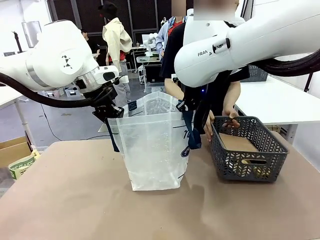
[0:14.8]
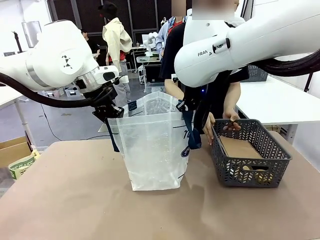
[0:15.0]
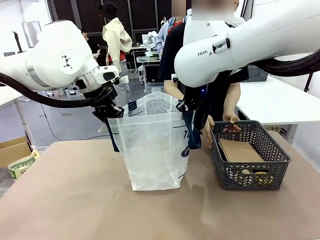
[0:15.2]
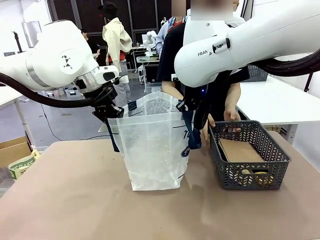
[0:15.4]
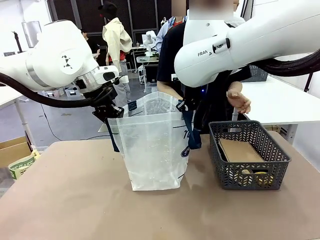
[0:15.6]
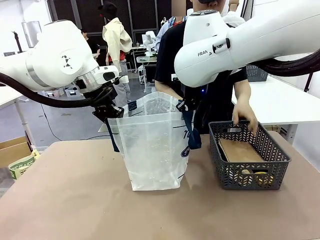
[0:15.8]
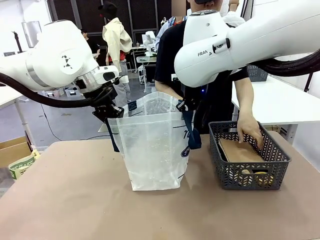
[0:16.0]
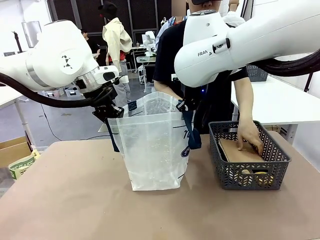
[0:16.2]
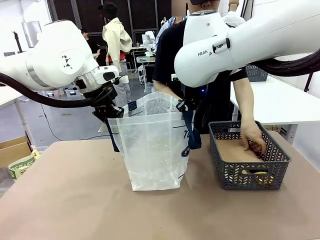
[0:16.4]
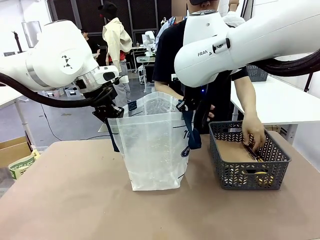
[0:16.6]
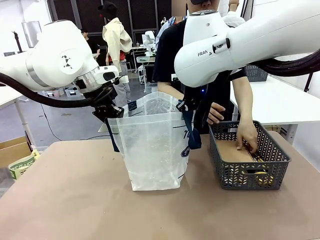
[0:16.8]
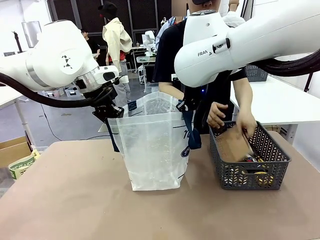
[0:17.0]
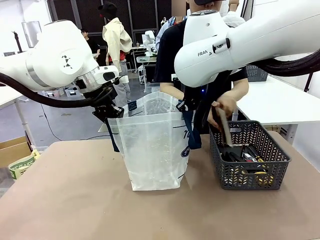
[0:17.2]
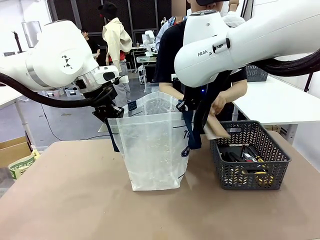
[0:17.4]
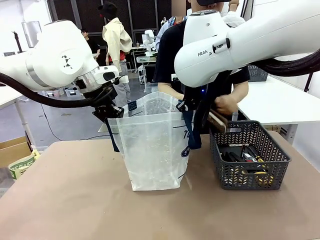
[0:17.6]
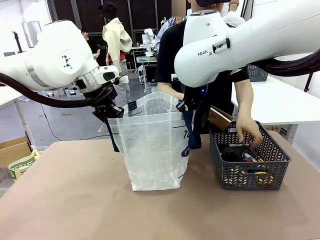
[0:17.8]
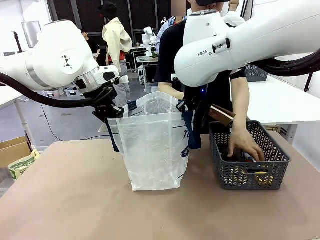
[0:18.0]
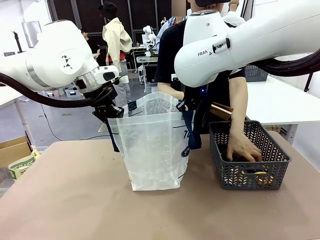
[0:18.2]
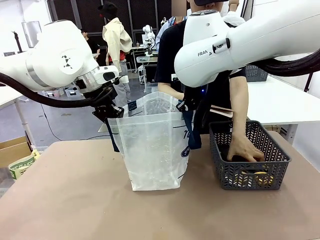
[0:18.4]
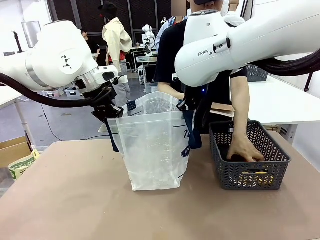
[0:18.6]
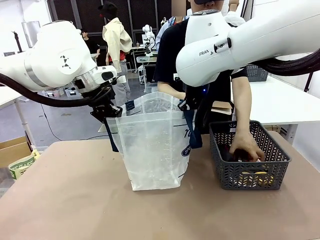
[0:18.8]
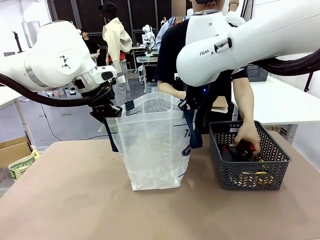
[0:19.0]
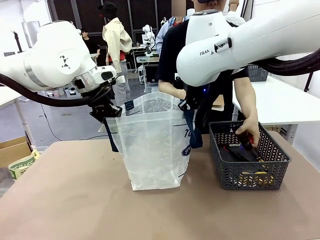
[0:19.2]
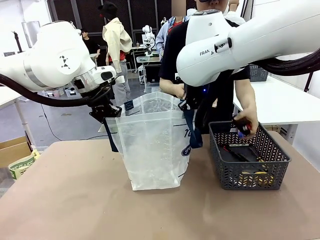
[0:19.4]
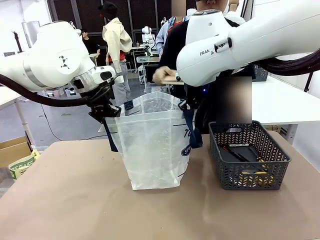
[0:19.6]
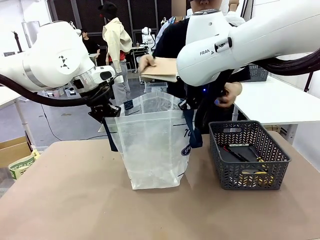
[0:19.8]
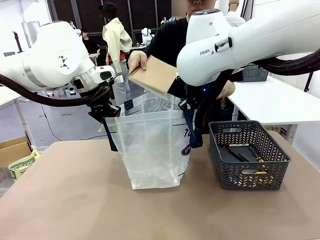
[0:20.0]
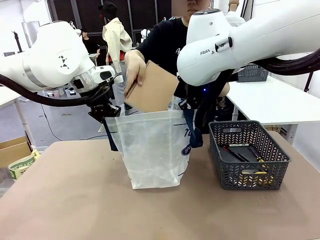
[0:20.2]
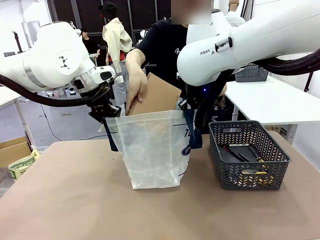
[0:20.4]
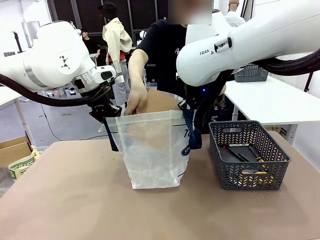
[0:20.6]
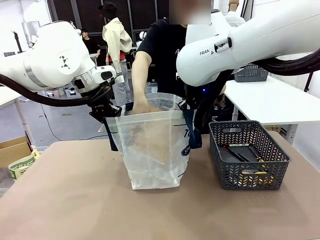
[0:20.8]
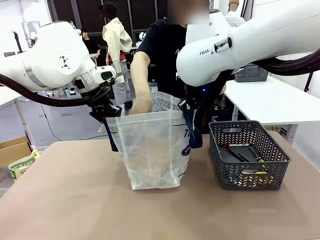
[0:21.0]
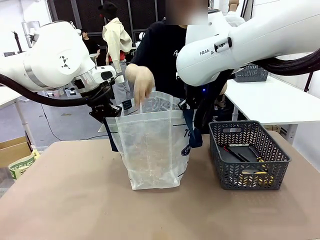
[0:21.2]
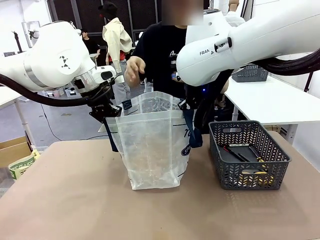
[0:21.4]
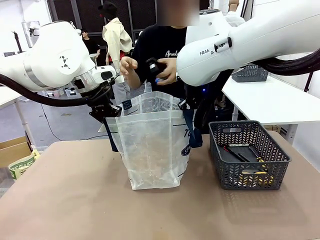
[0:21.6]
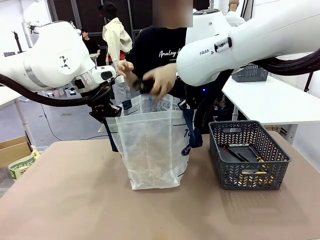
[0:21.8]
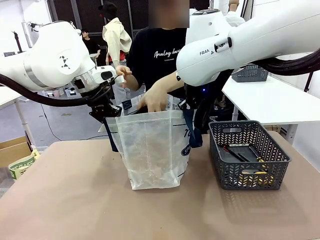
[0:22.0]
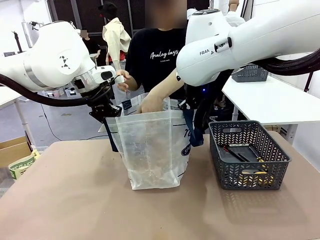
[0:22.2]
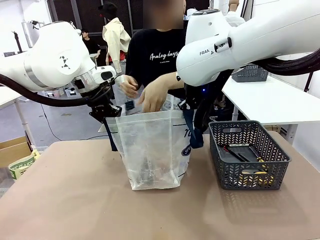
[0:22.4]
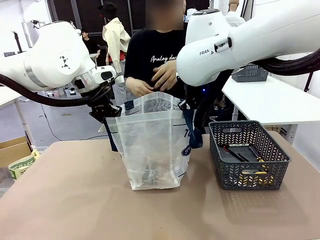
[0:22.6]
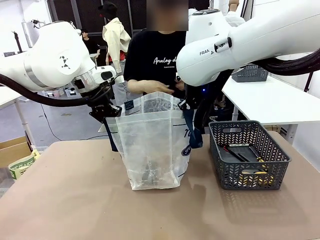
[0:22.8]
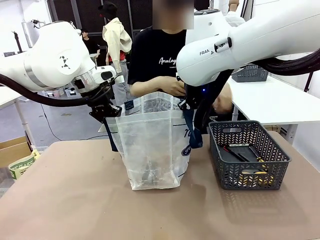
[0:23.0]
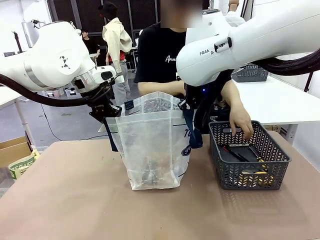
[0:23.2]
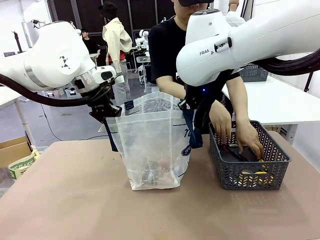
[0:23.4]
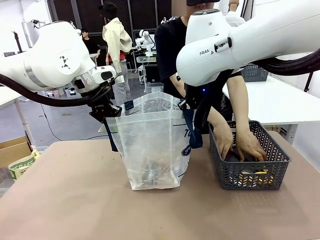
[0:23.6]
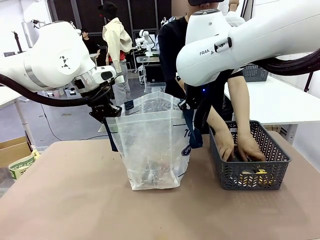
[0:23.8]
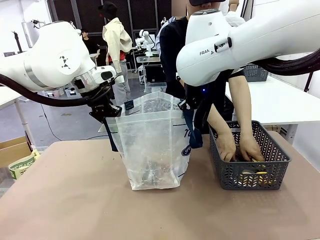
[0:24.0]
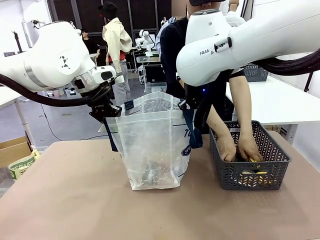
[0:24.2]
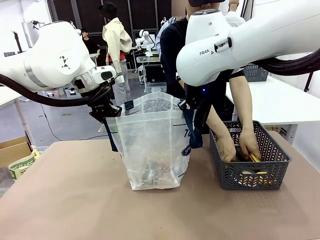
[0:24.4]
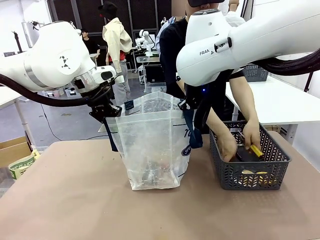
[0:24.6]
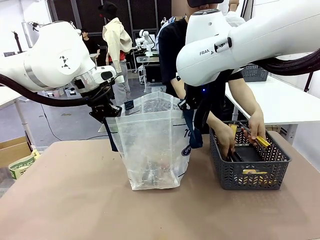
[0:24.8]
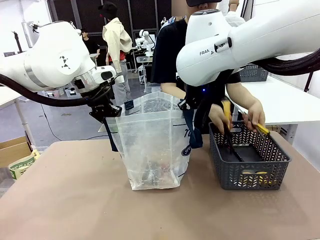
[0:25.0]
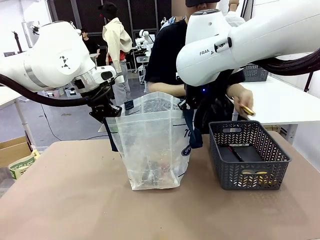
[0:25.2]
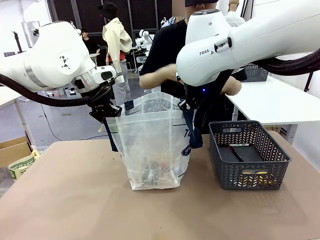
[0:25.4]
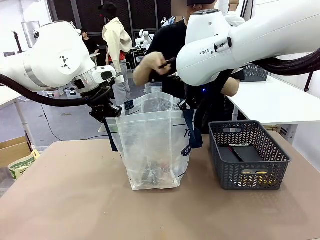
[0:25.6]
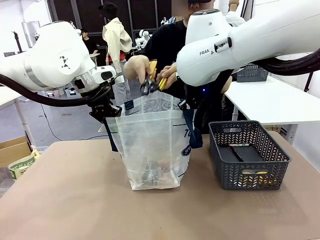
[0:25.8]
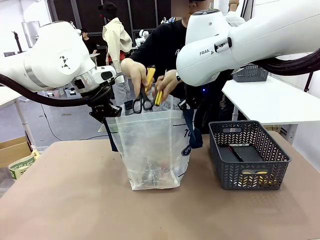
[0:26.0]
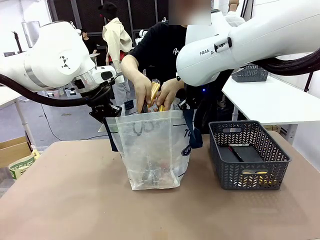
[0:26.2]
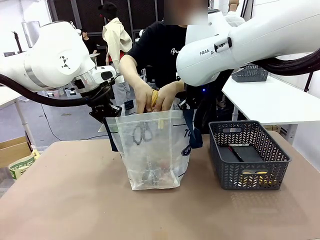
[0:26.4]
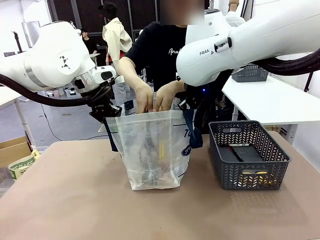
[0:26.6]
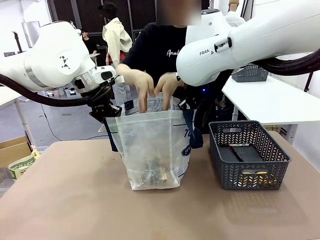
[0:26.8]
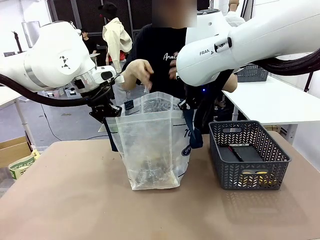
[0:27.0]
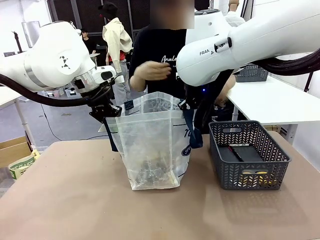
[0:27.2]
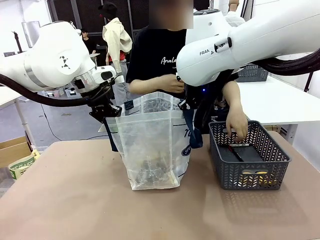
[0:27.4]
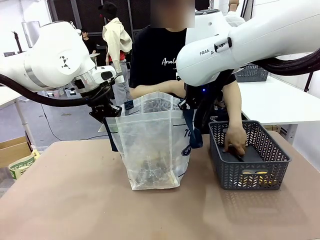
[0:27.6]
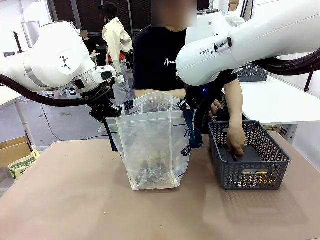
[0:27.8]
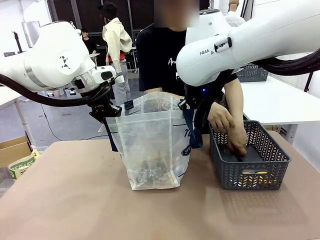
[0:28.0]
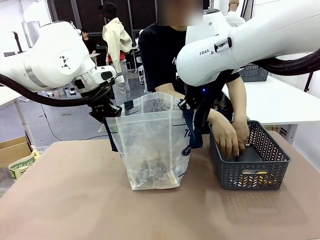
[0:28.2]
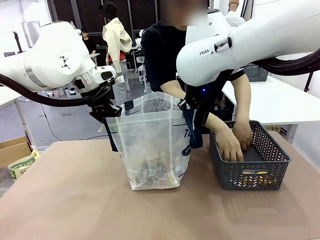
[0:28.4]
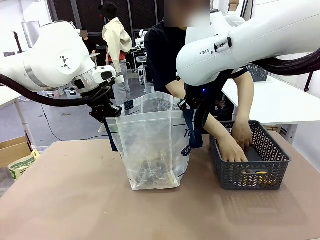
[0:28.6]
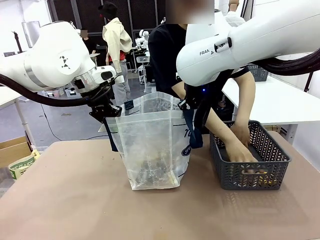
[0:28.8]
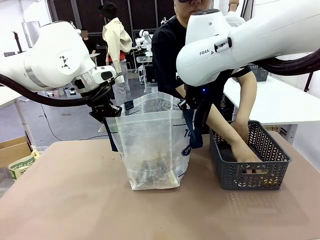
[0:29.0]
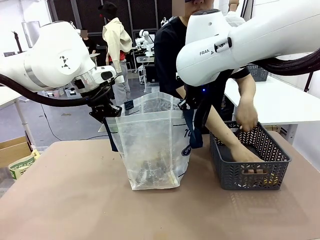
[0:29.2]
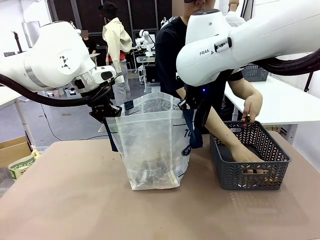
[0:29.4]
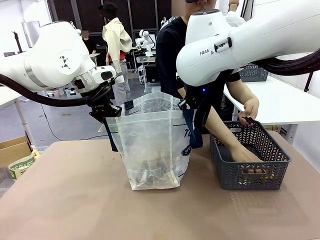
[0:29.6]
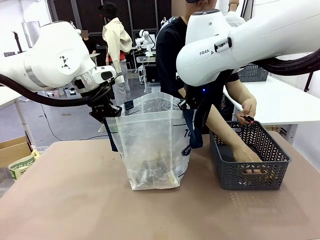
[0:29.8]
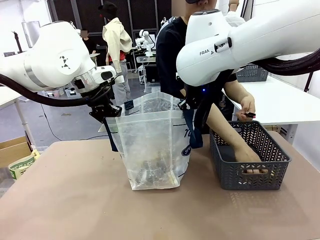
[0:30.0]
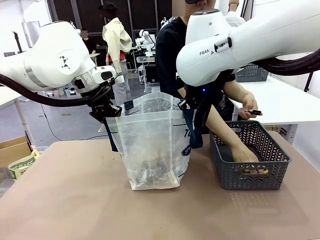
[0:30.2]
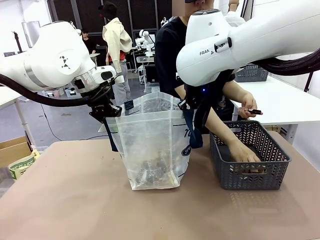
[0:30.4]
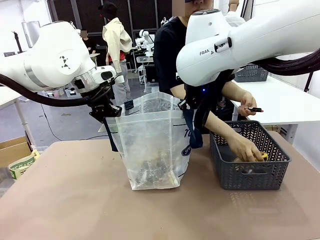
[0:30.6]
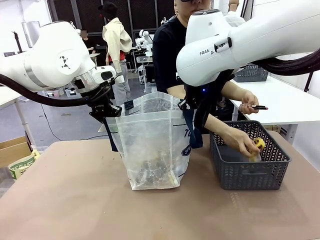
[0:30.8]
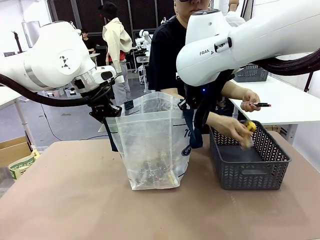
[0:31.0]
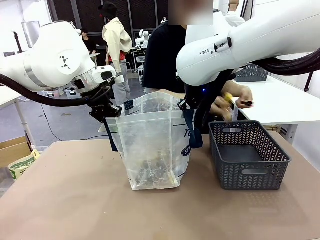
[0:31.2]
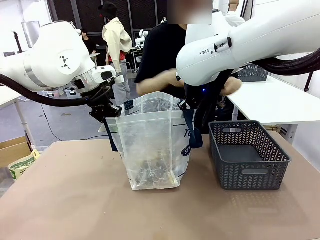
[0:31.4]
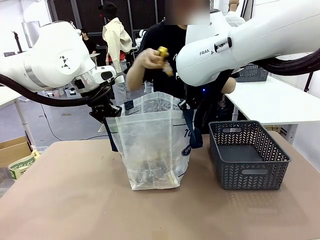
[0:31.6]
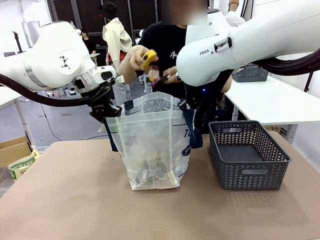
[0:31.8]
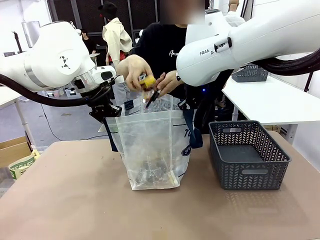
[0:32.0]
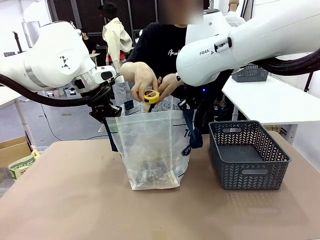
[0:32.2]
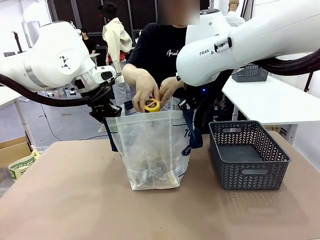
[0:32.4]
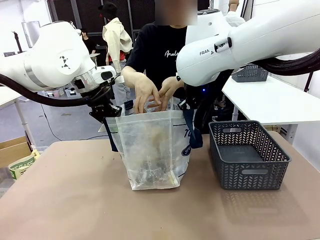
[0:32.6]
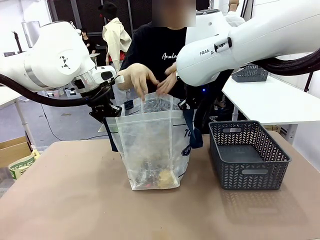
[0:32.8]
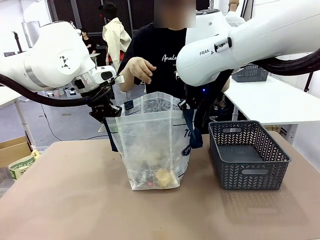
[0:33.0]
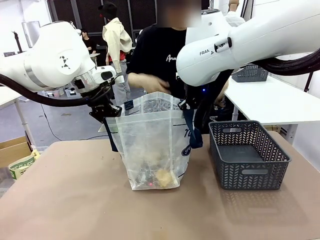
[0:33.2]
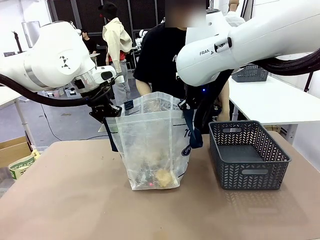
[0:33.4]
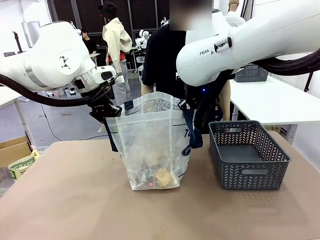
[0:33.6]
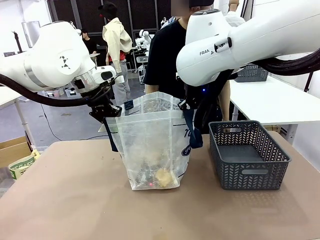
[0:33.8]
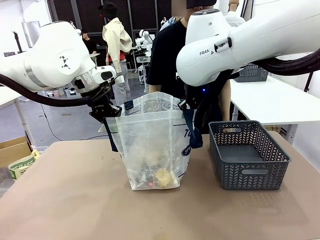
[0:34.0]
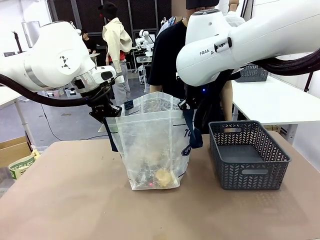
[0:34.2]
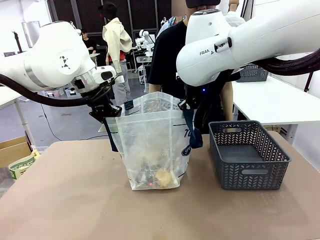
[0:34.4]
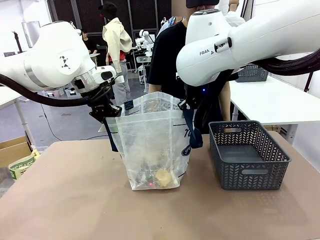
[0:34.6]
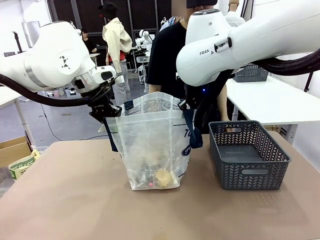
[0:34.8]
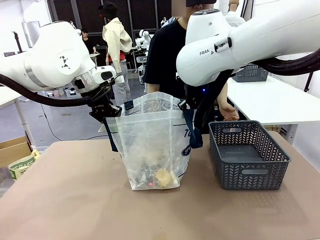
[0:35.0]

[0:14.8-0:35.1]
Task: Transfer purchased items from the store into the shopping bag.
Robot: Move the Reusable shopping bag to the right side of the table.
Person: Pick up the basket on the right, place it on the left side of the robot table, and move the items in the basket to the shopping bag.

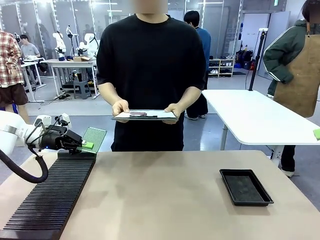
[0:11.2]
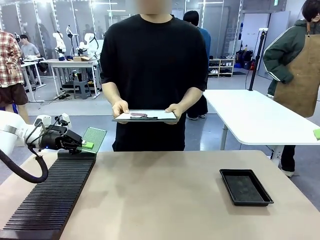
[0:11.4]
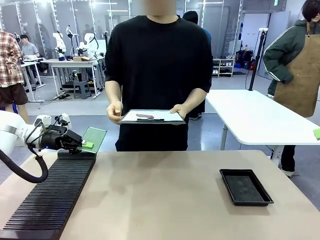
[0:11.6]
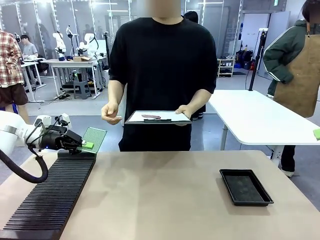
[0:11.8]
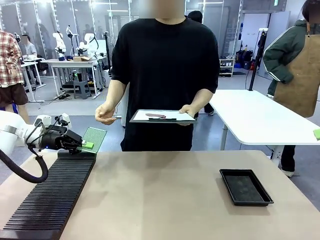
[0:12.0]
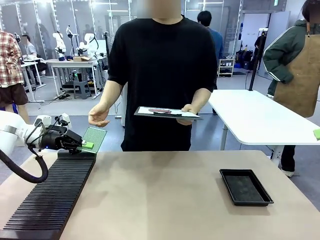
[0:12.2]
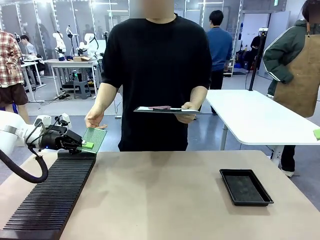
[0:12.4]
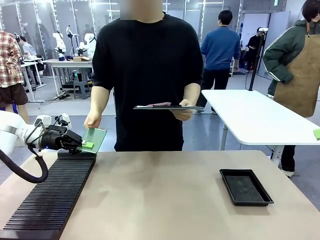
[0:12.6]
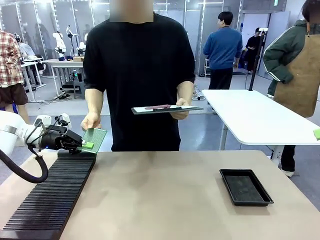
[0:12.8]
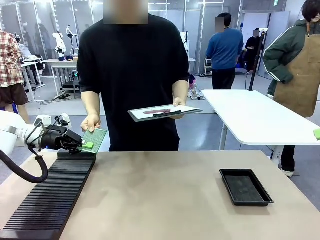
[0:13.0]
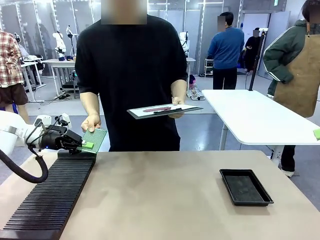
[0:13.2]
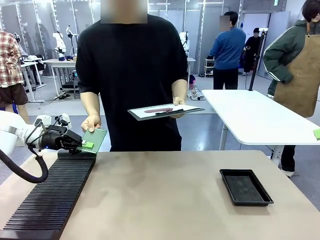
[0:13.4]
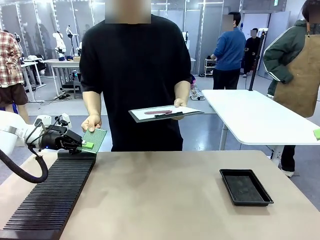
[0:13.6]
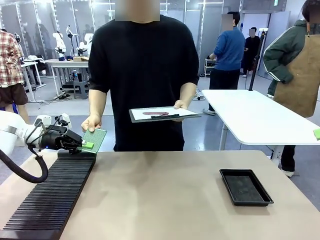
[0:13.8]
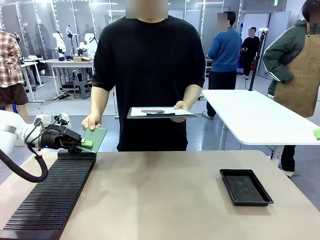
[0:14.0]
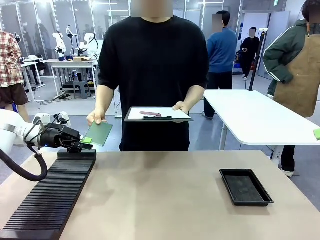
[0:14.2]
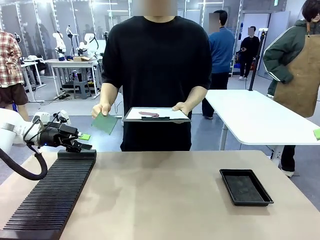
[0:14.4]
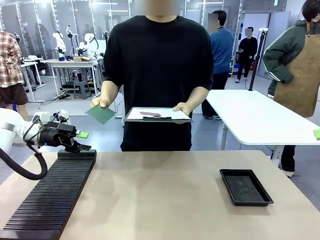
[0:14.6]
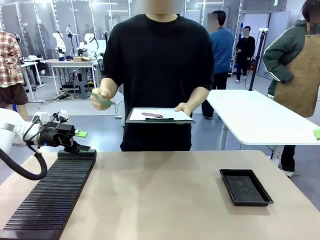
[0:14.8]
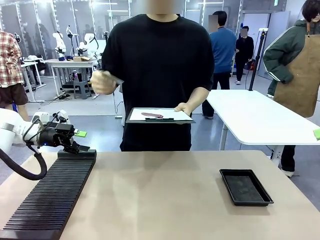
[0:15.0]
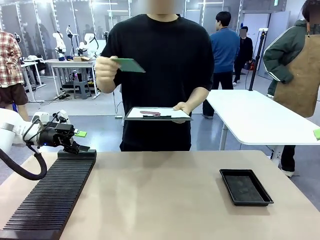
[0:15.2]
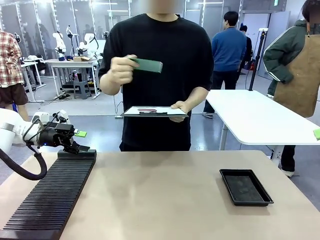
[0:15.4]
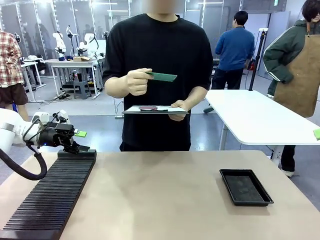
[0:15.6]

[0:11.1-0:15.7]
Task: Inspect the PCB.
Robot: Release the Blank PCB you were holding.
